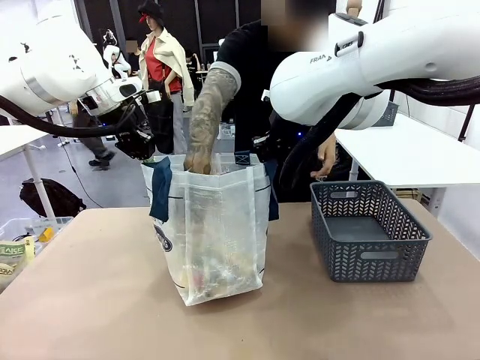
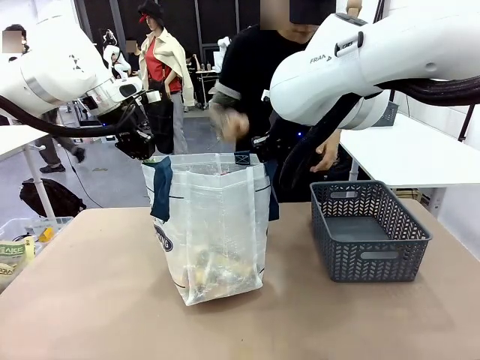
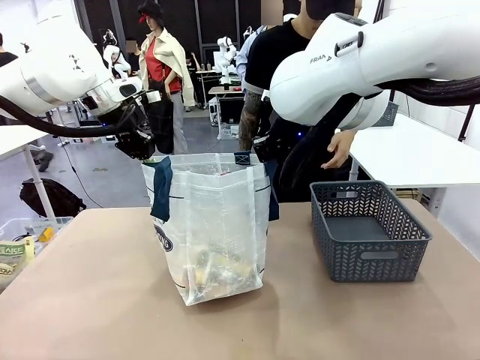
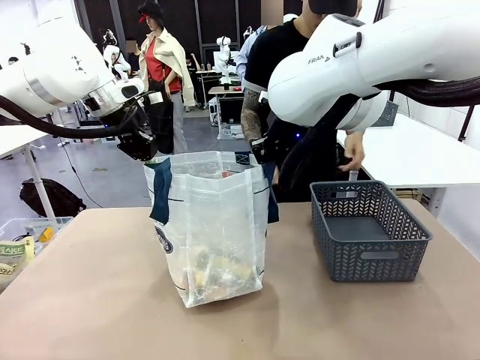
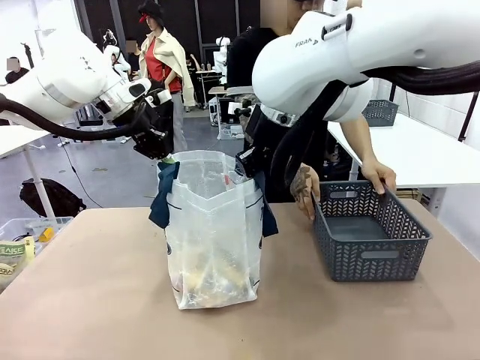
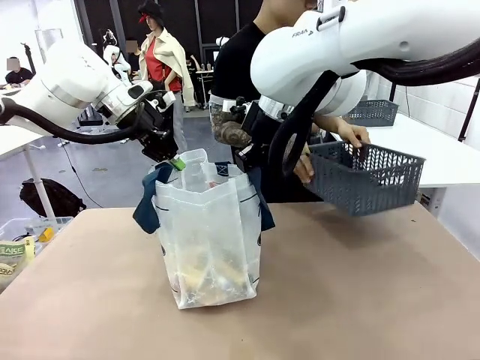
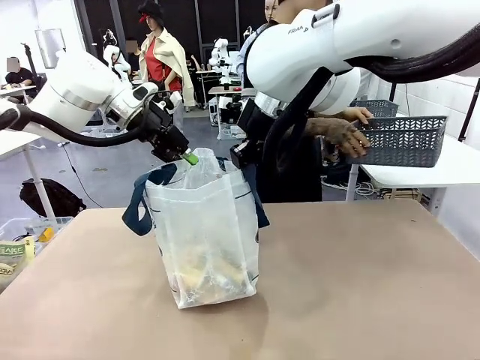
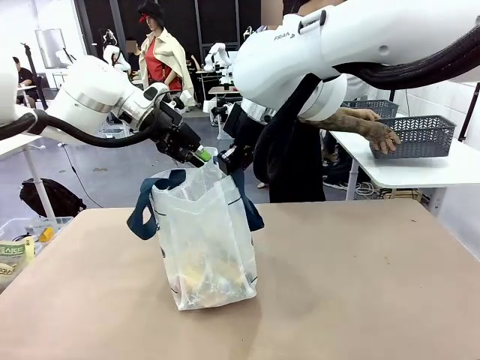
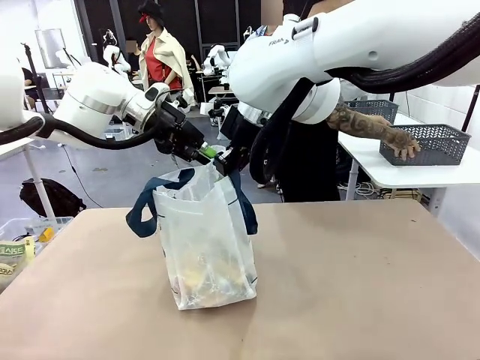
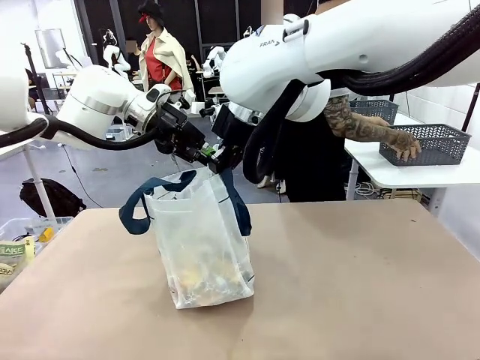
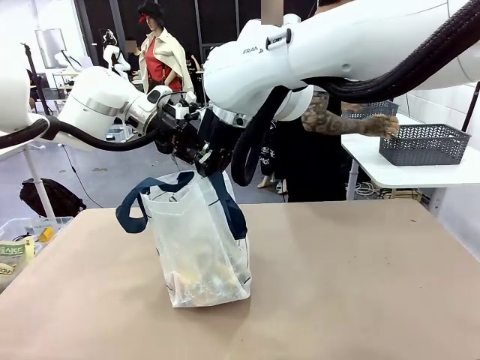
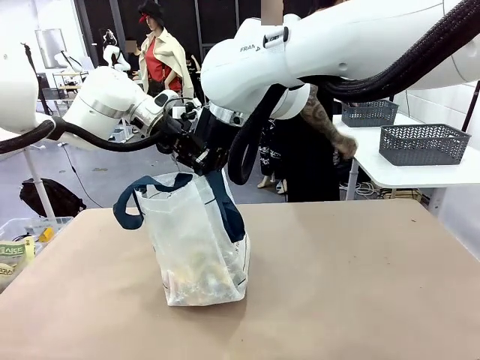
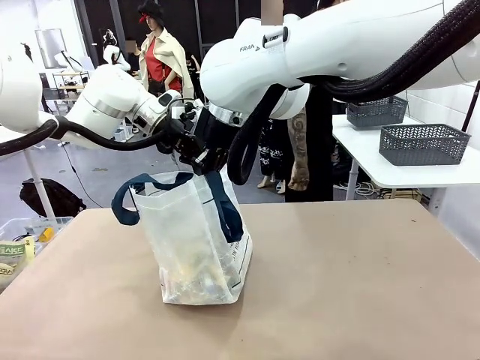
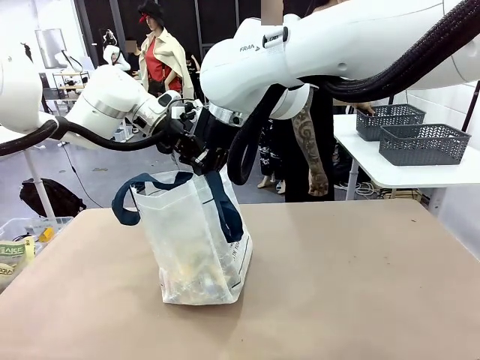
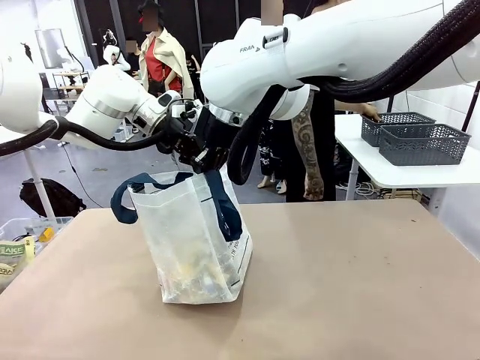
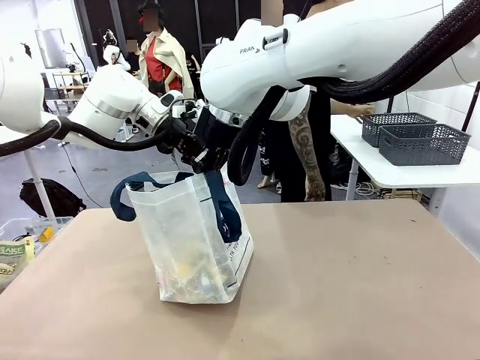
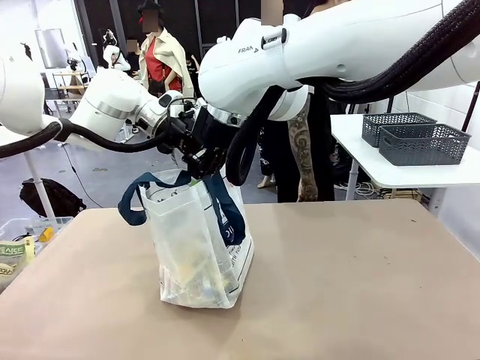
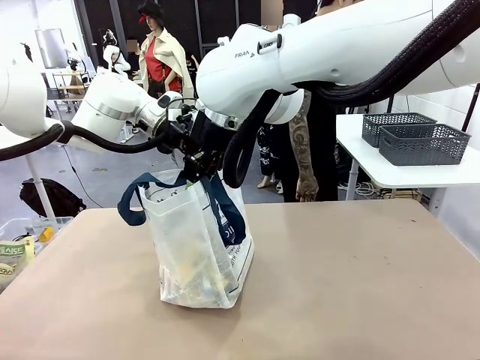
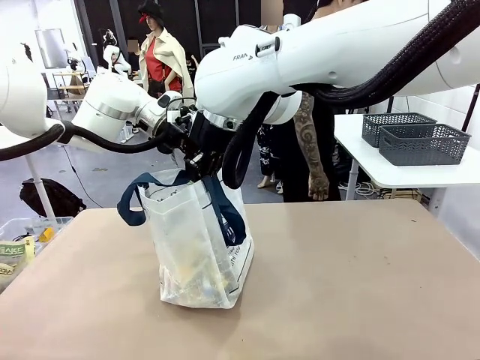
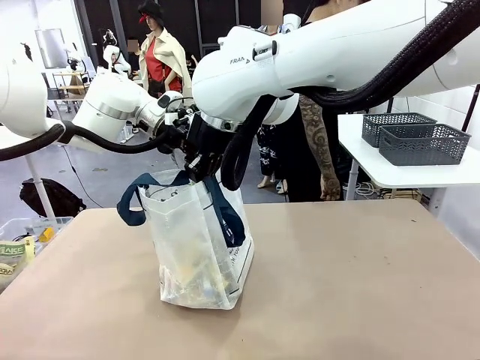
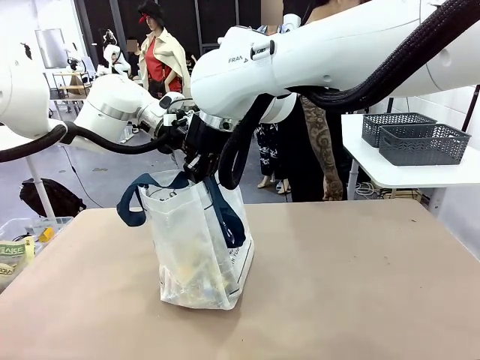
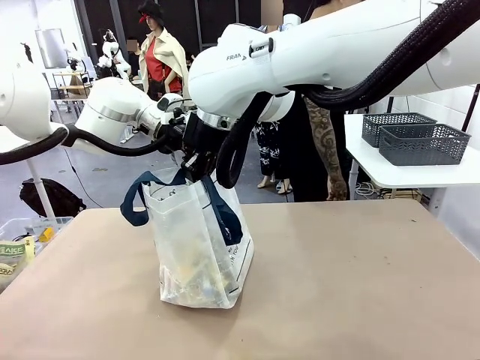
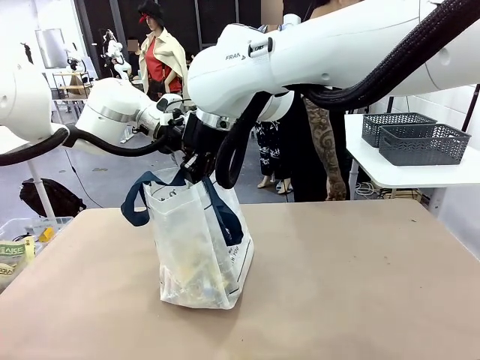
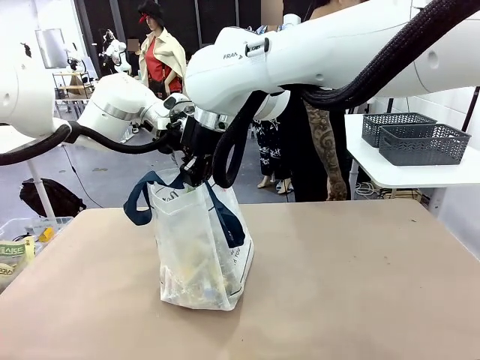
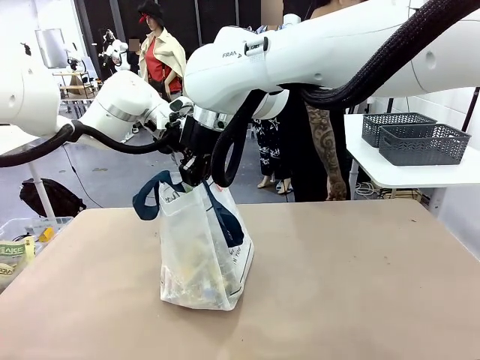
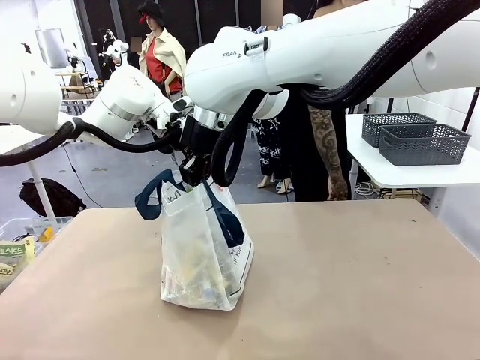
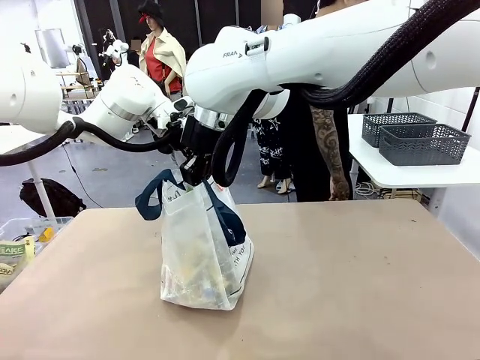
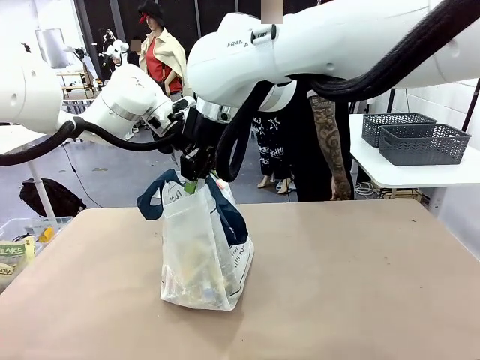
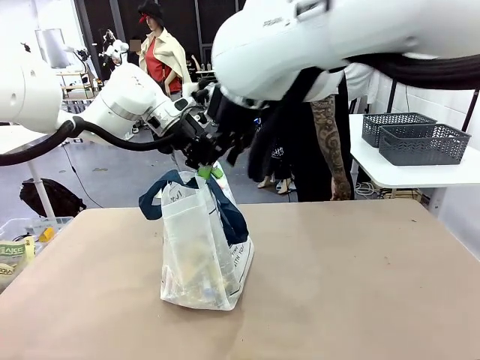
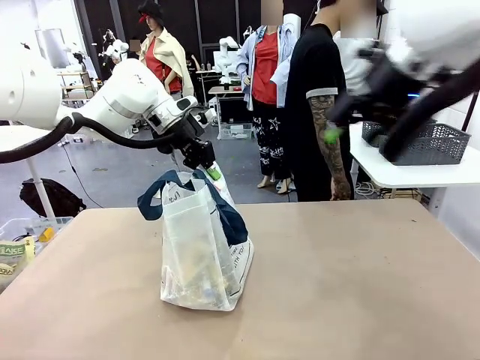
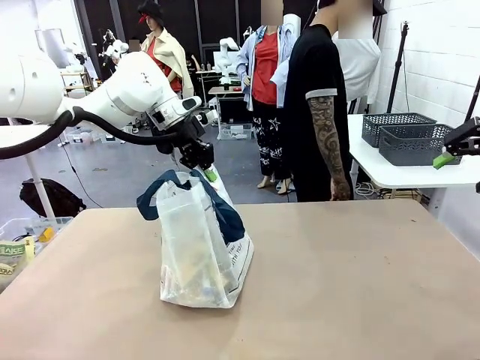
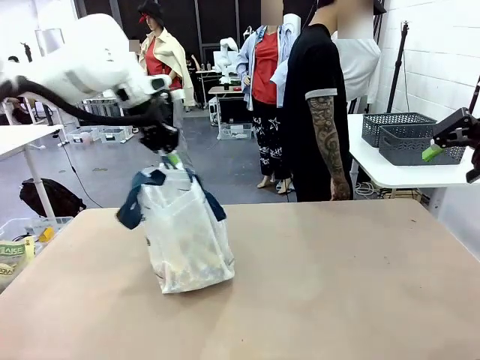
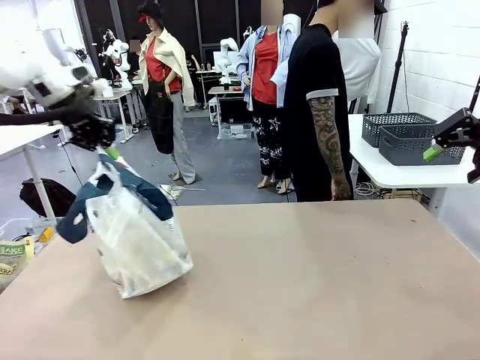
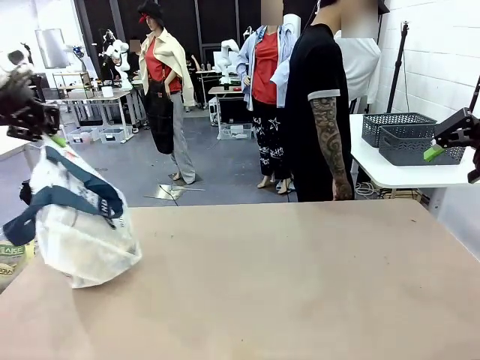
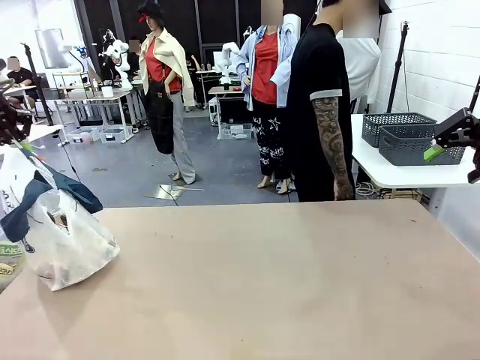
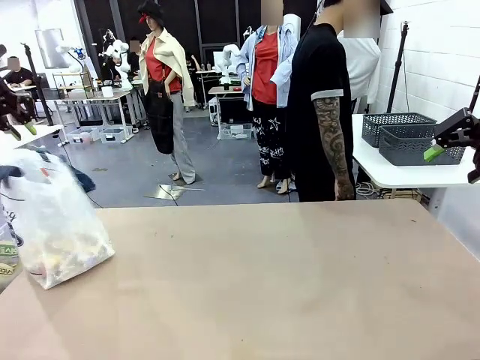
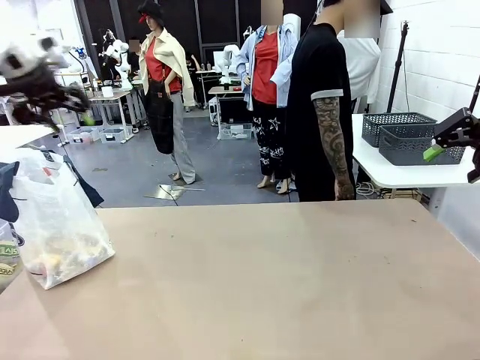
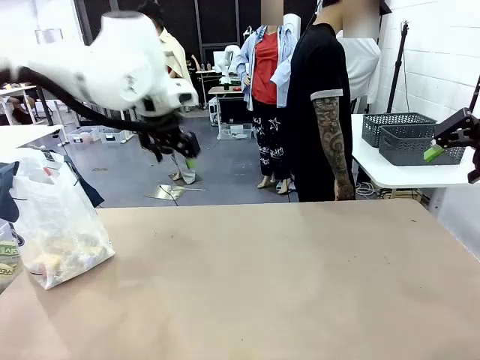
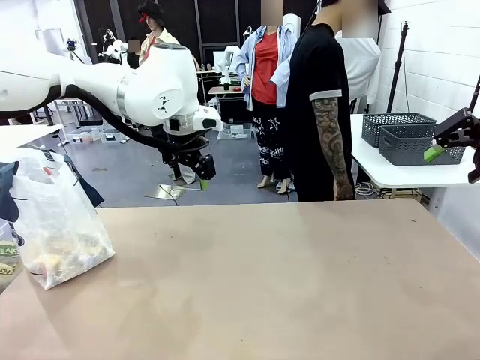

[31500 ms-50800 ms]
Task: Transfer purchased items from the store into the shopping bag.
Robot: Move the Reusable shopping bag to the right side of the table.
Person: Move the basket on the left to the middle of the person's table.

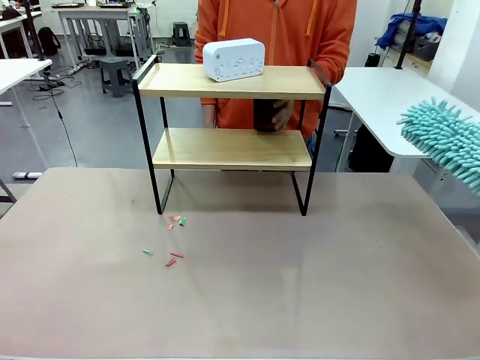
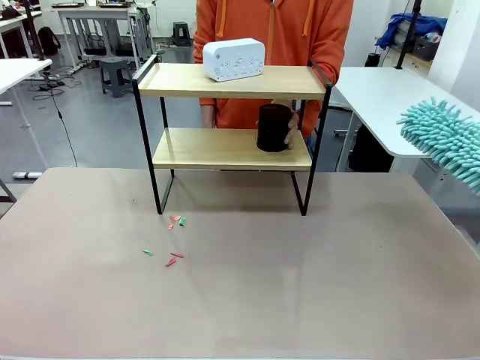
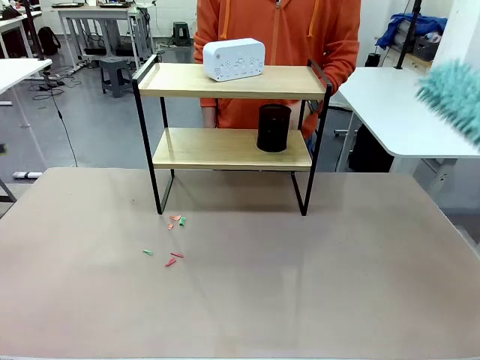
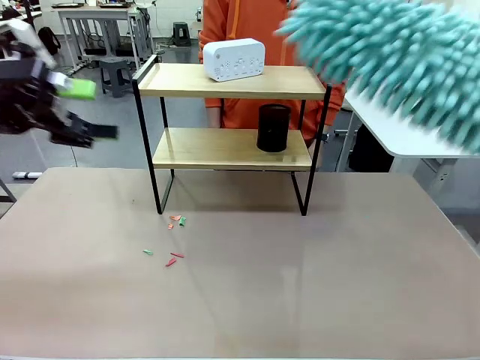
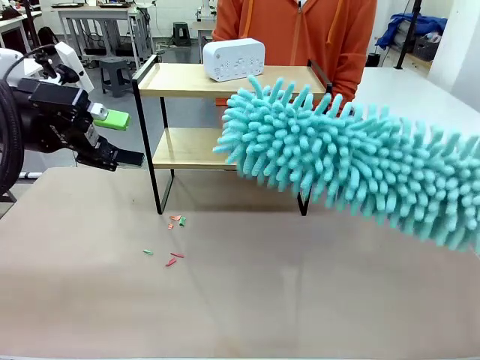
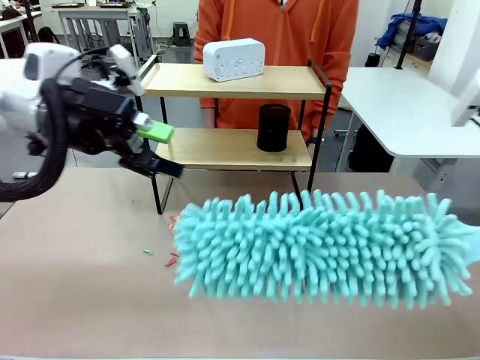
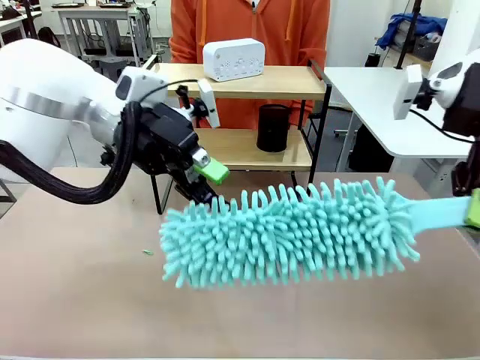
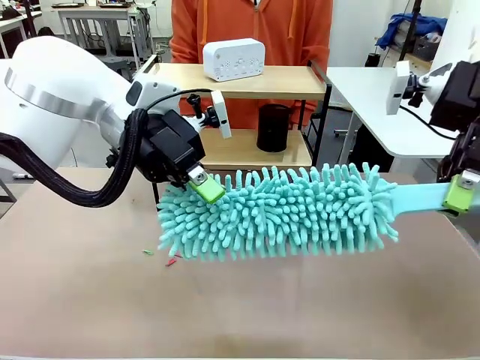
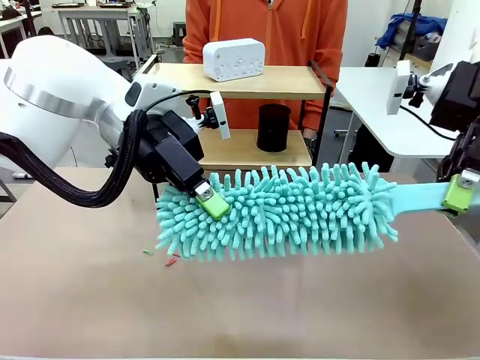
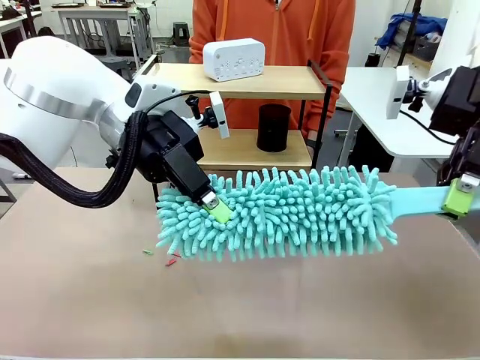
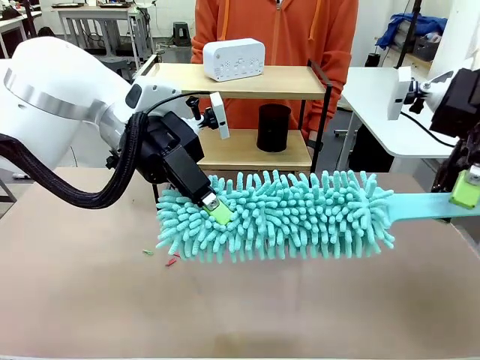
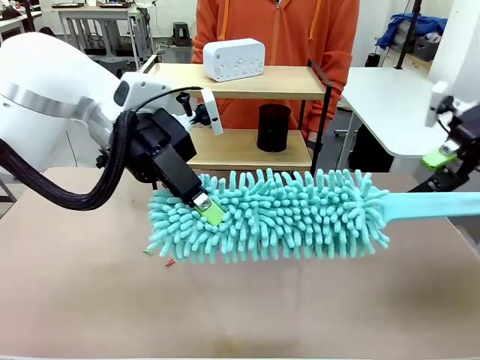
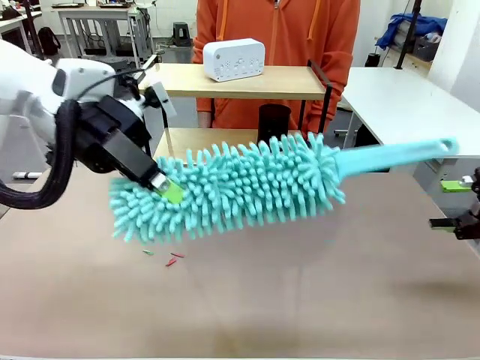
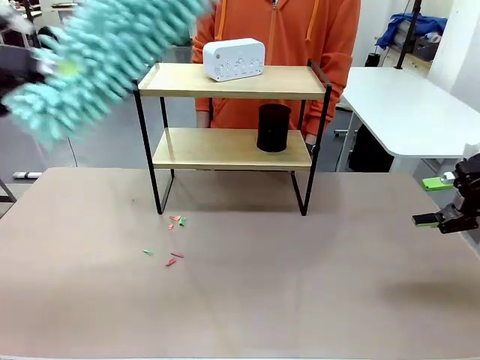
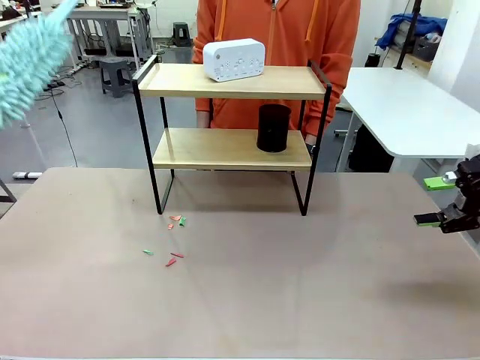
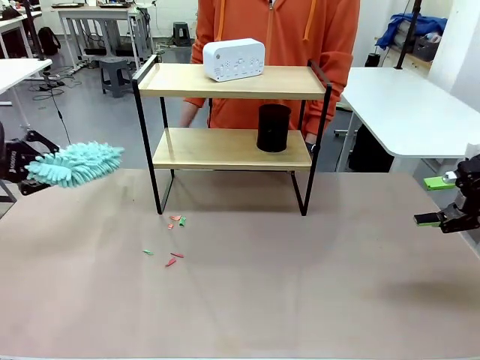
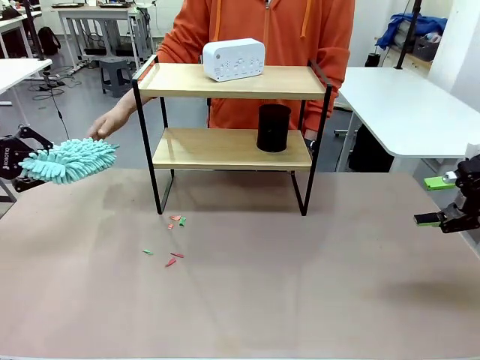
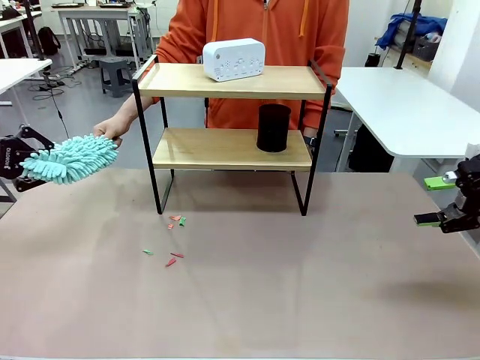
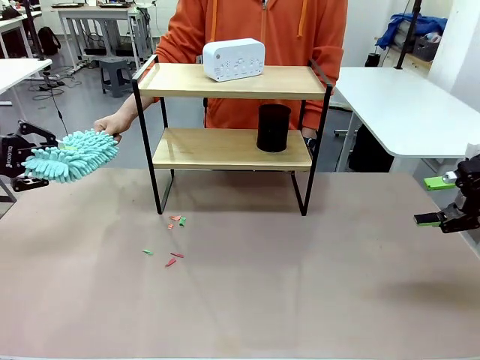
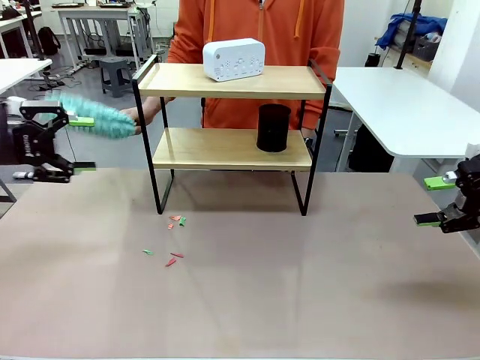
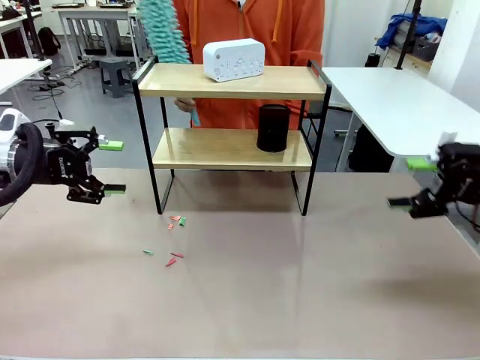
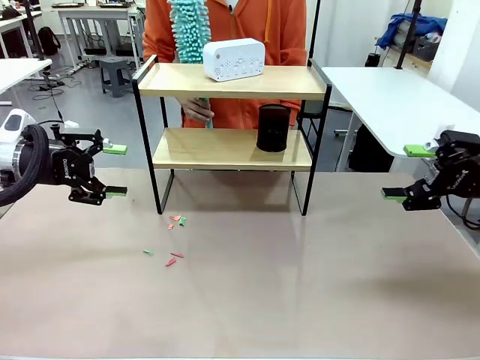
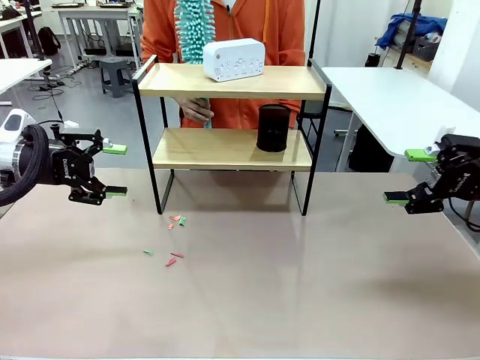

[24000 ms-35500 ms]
Task: Clean the shelf.
Robot: Hand the Duster back to the human.
Person: Receive the Duster from the robot.
